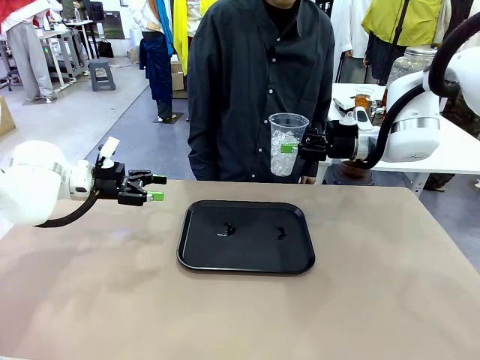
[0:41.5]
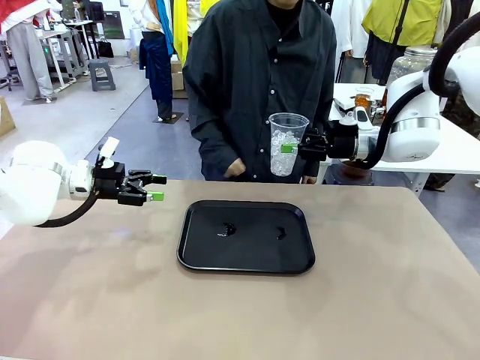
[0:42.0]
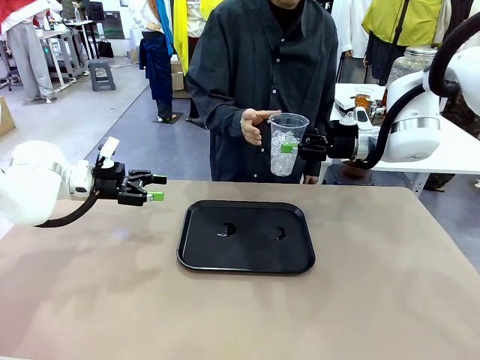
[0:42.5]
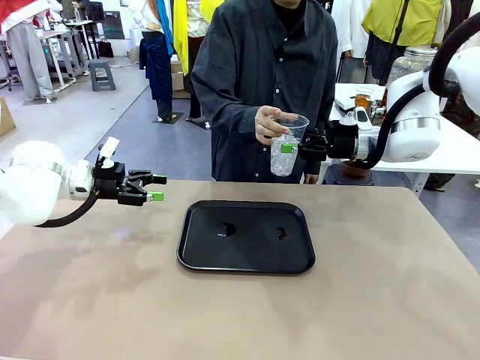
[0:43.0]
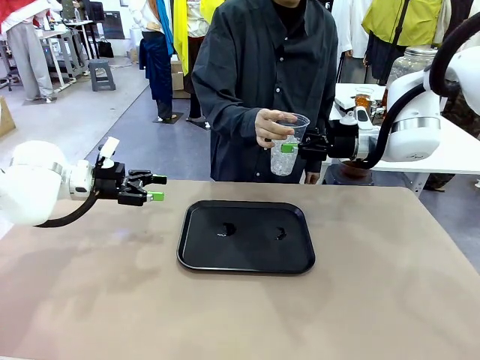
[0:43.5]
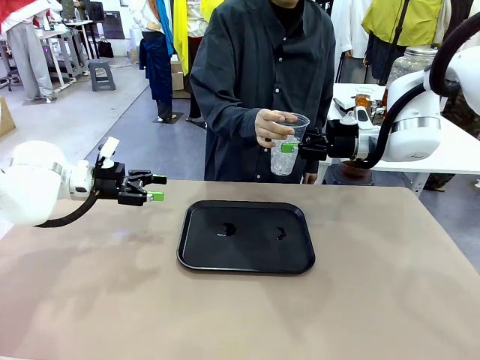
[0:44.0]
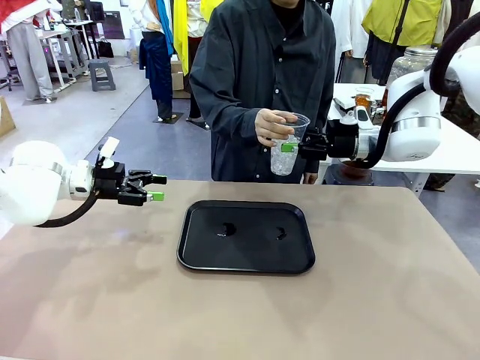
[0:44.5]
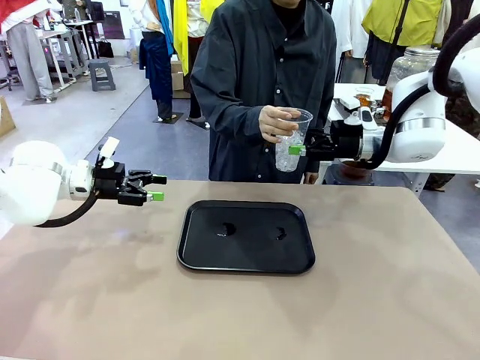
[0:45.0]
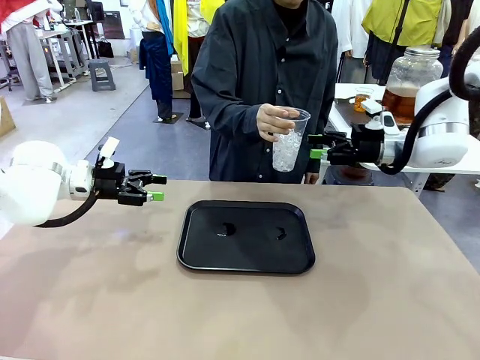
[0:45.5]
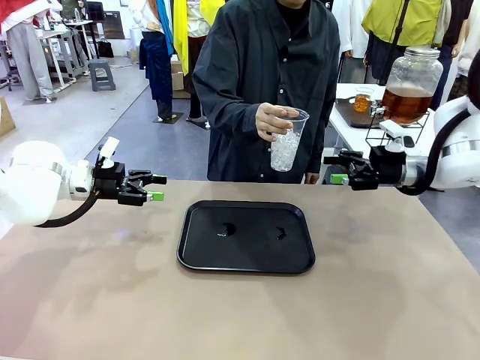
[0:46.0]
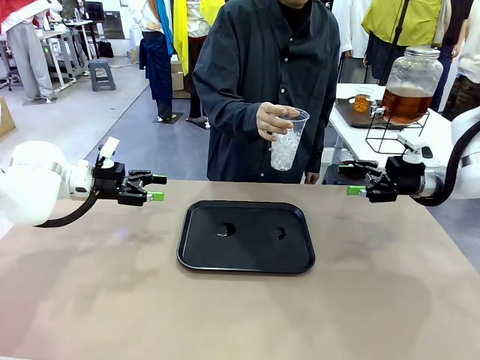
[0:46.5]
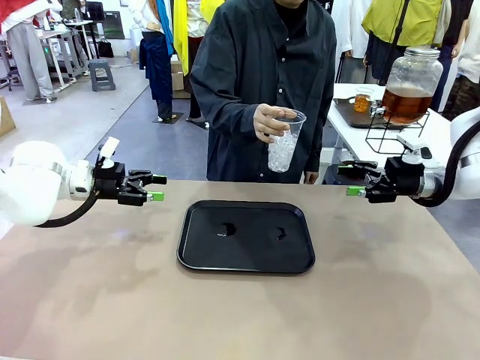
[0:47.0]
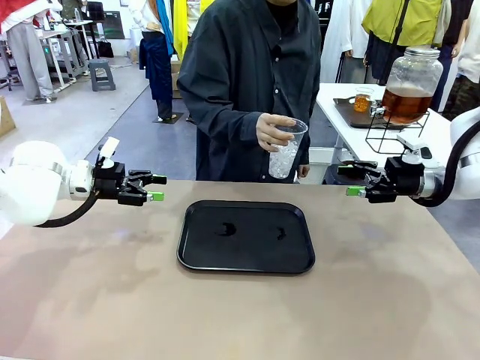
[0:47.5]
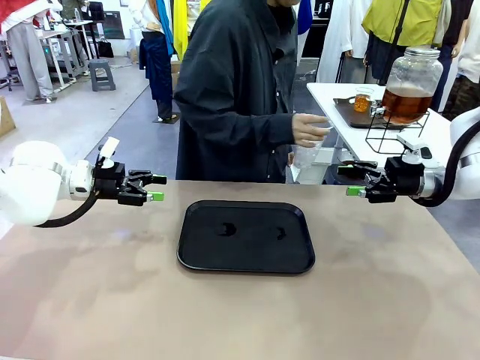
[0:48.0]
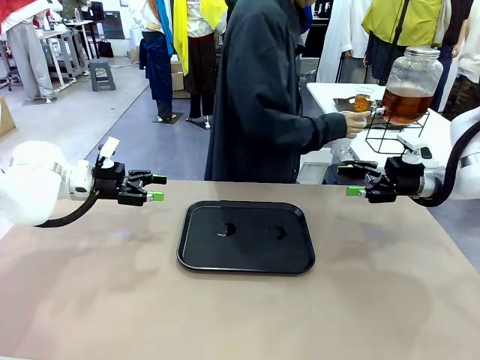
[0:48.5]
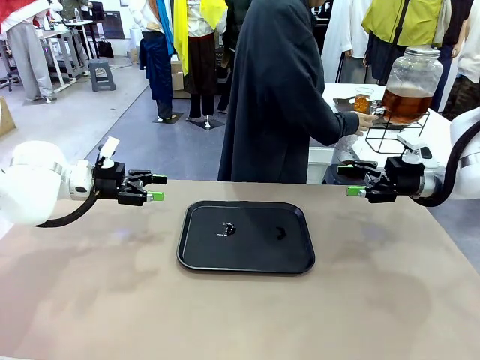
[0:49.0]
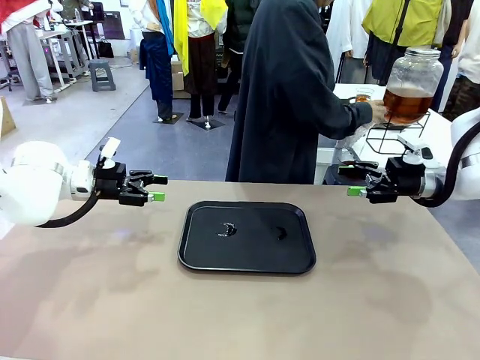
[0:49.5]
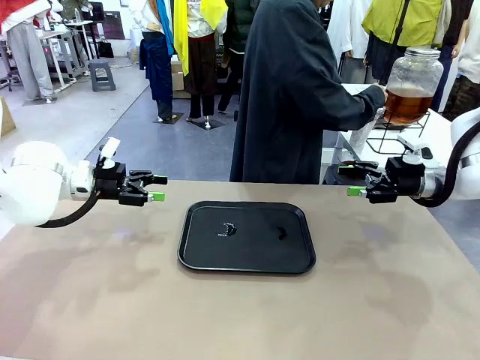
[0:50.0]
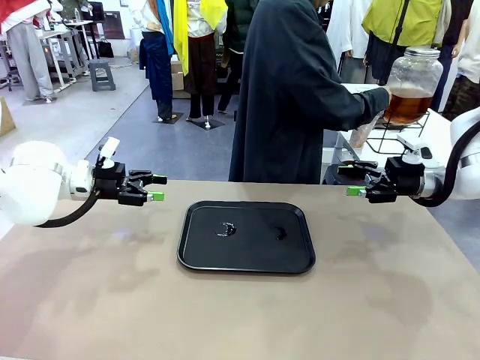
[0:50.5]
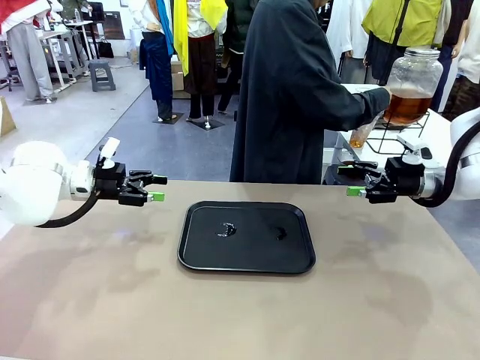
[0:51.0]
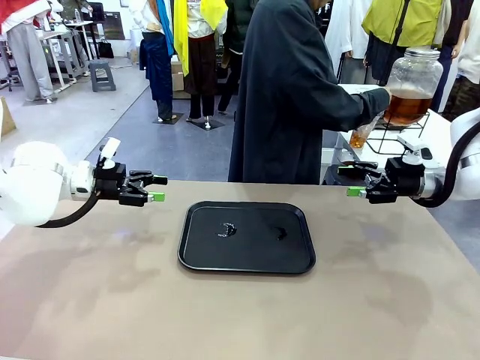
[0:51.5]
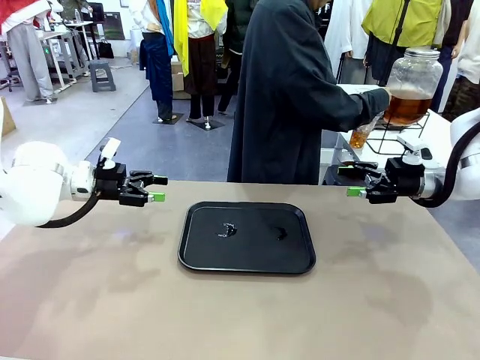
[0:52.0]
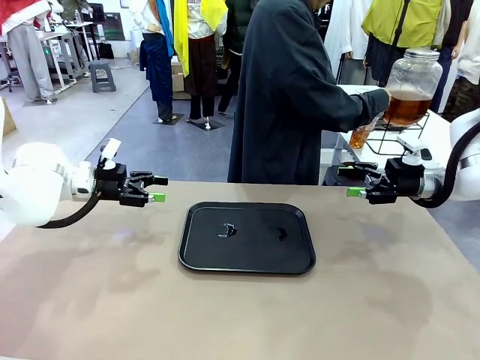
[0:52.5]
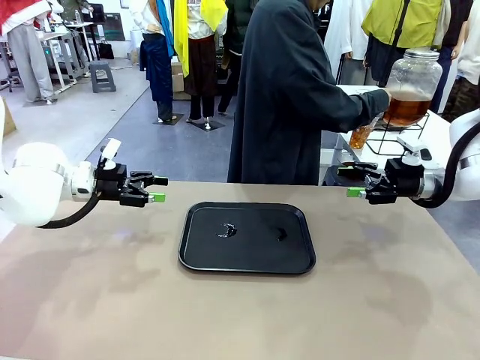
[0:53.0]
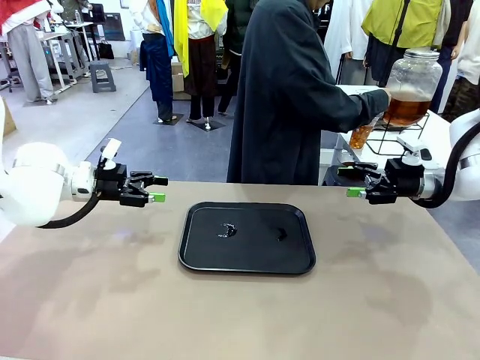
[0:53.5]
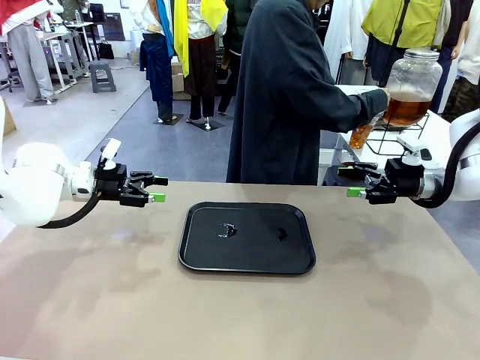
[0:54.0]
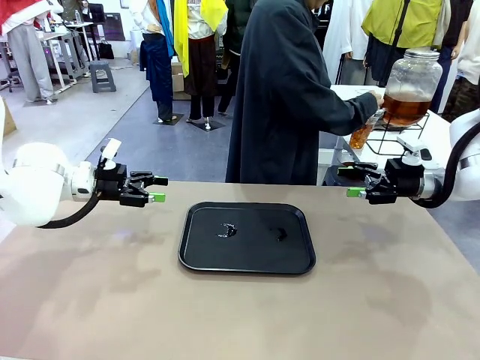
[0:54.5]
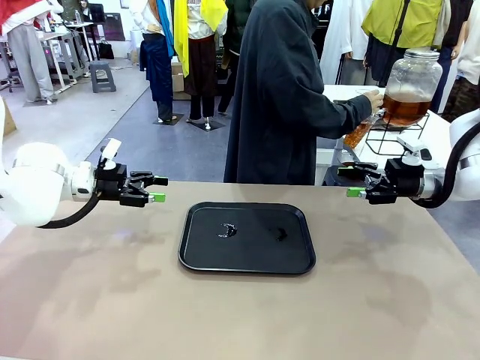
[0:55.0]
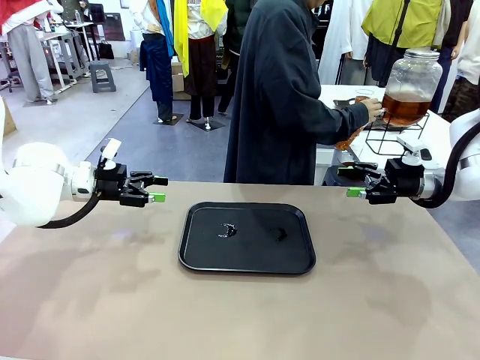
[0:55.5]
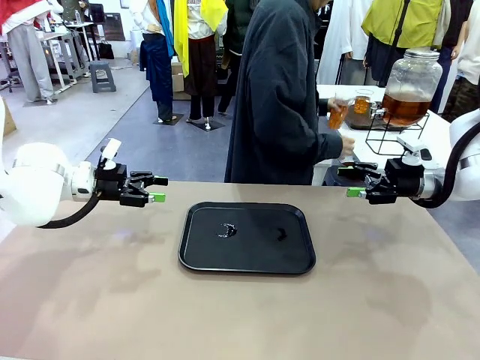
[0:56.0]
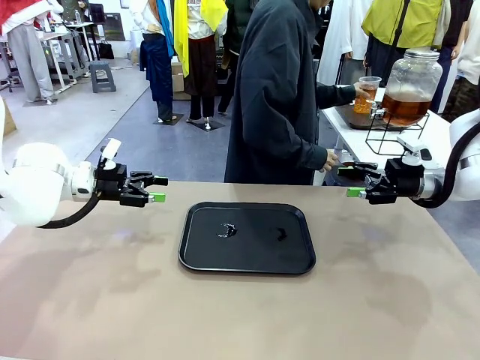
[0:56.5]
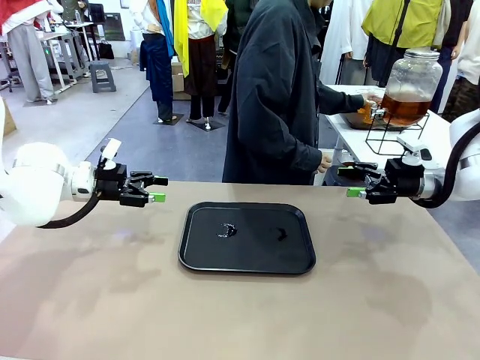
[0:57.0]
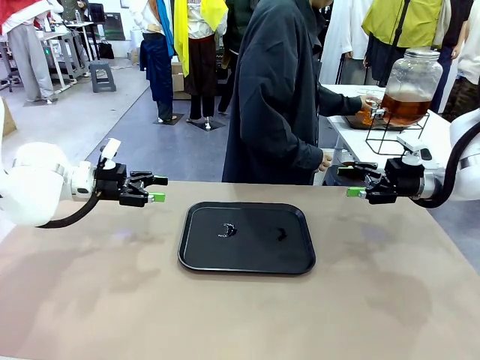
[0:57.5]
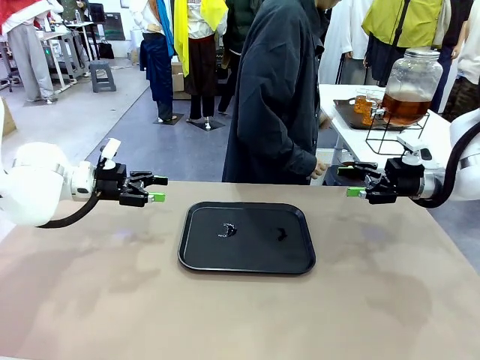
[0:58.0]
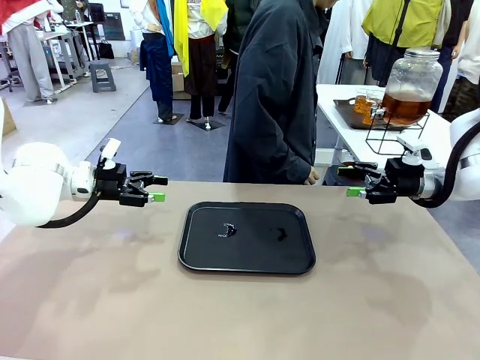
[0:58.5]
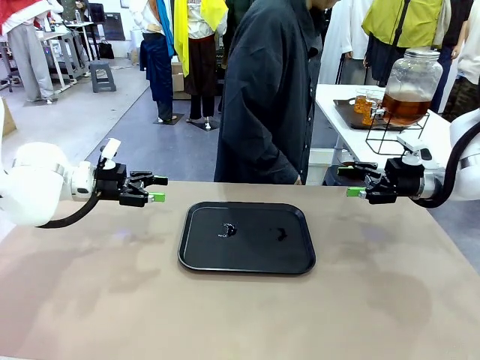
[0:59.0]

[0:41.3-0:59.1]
Task: Pour the drink into the iced cup.
Robot: Open the gripper to release the iced cup you were holding.
Person: Move the picked-up cup under the dispenser faucet, pour the drink, and place it on the tray on the human table.

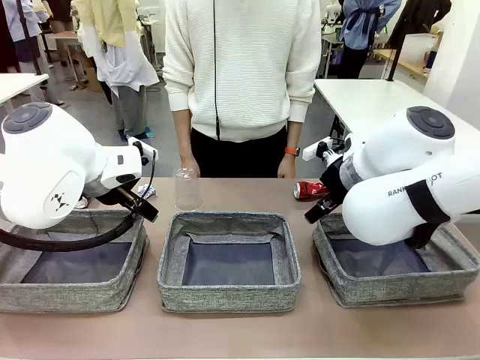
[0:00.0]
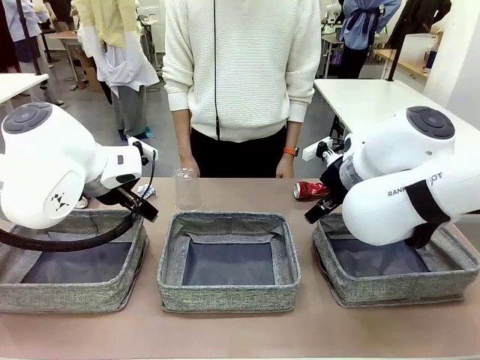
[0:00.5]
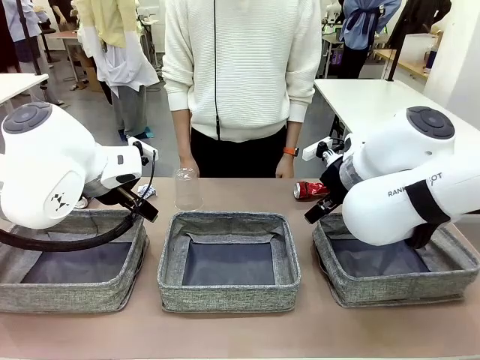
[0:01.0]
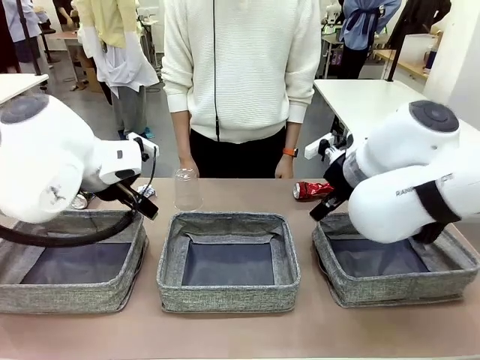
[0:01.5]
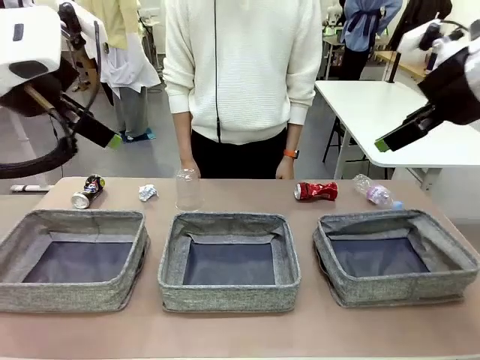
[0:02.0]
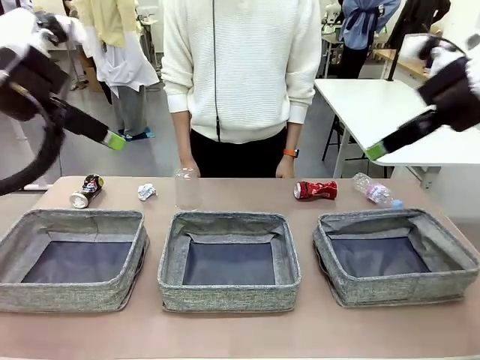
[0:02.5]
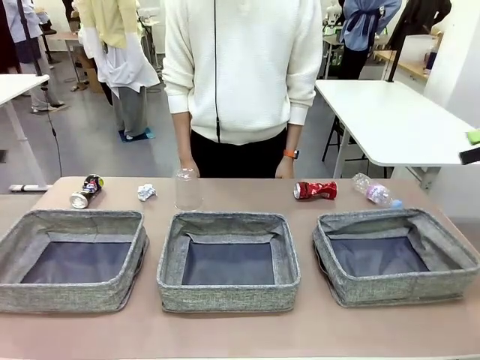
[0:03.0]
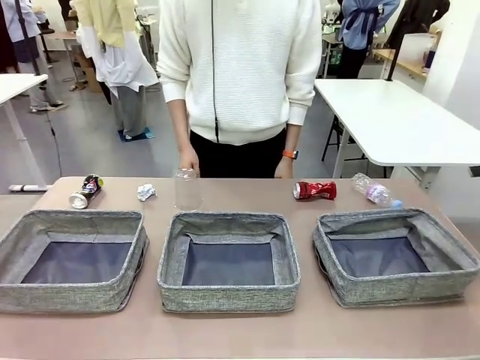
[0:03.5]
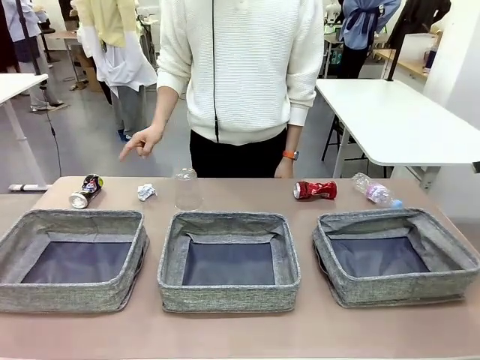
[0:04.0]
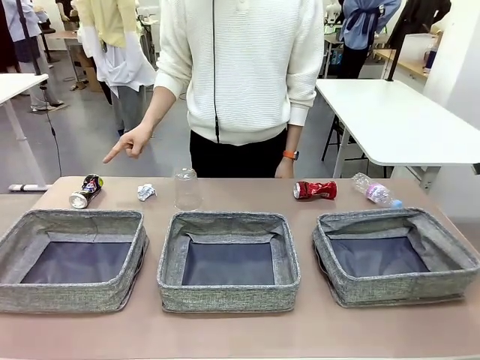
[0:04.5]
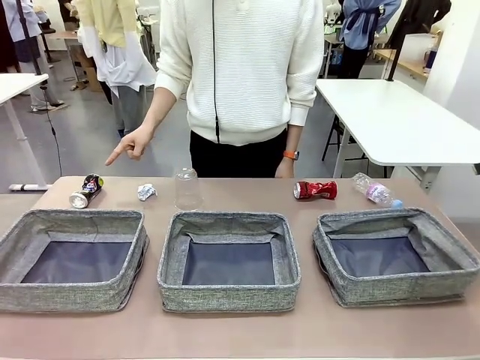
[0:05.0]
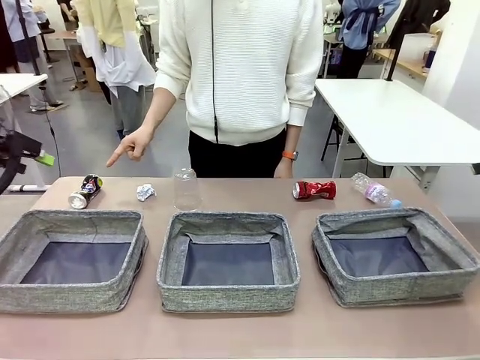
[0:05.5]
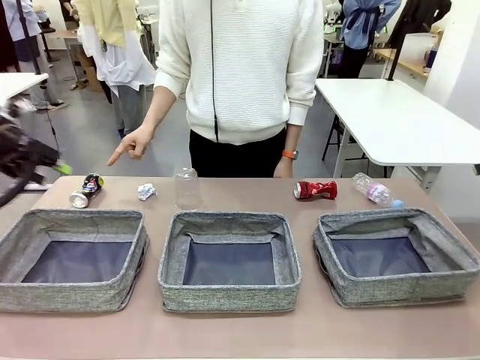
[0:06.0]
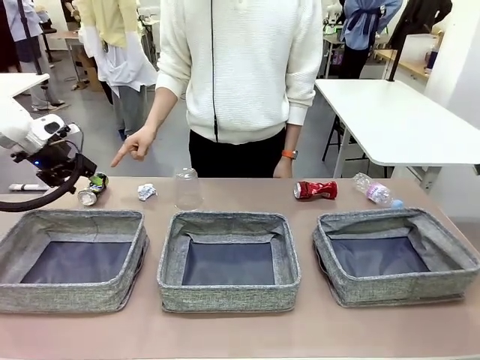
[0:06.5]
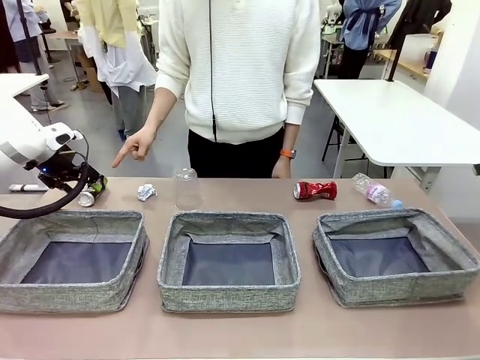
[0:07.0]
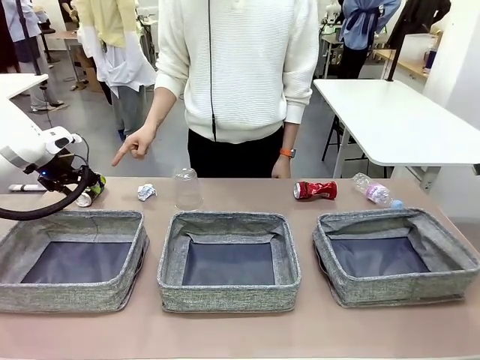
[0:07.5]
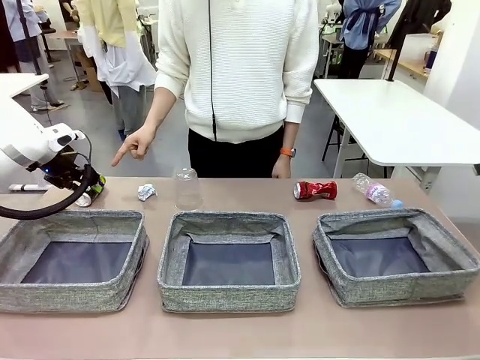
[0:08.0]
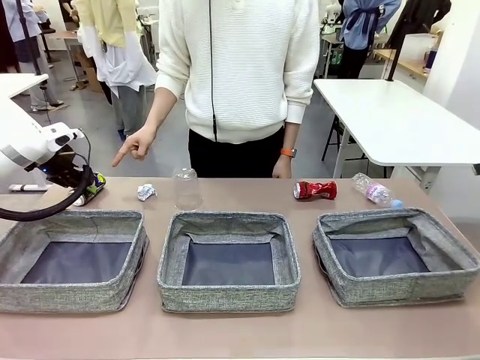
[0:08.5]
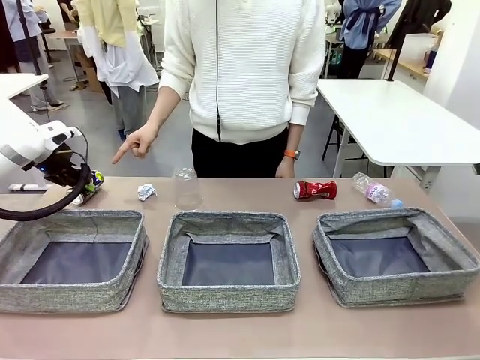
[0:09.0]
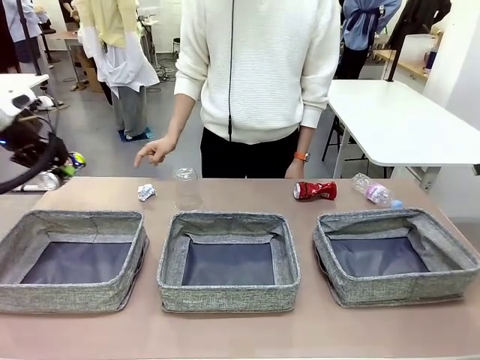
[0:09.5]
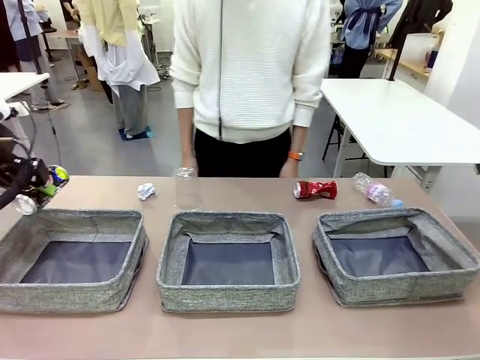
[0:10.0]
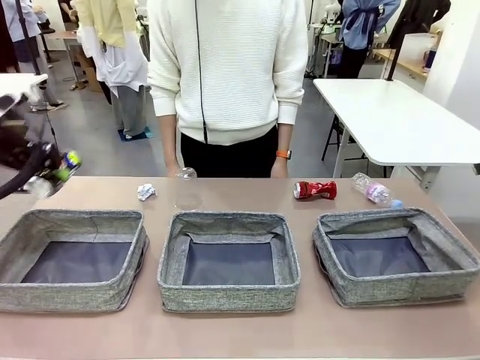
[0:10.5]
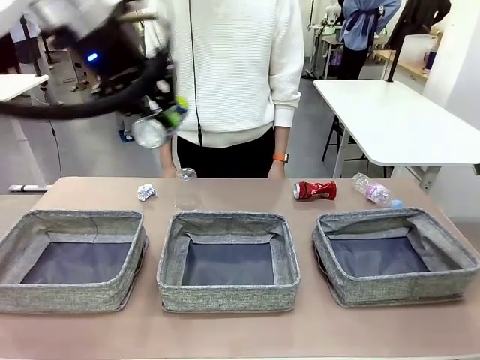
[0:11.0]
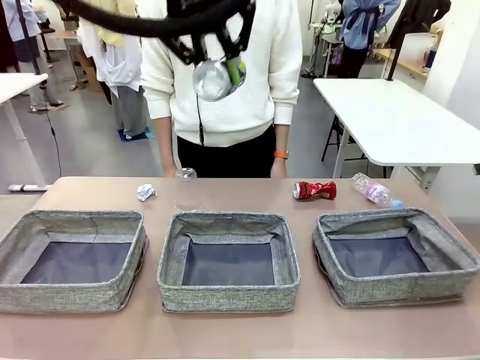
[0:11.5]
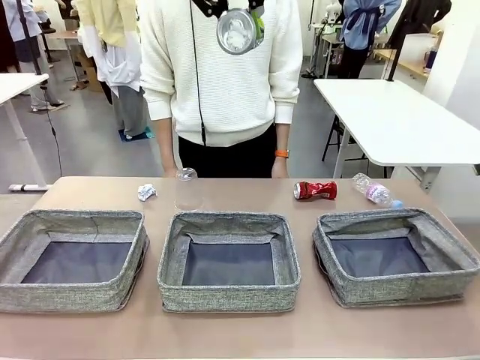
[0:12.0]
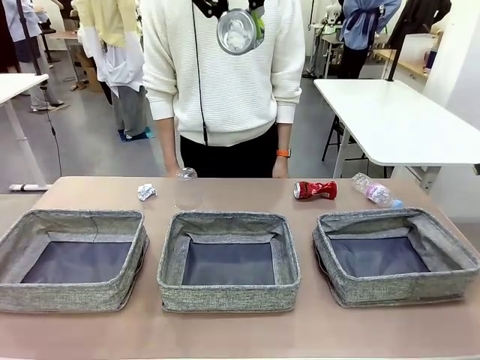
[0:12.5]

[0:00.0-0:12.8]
Task: Sort the waste into the appropriate baskets.
Robot: Pick up the waste item pointed out by the person.
Person: Points to one piece of trash on the table.
